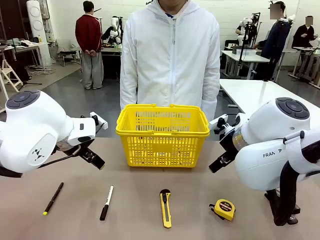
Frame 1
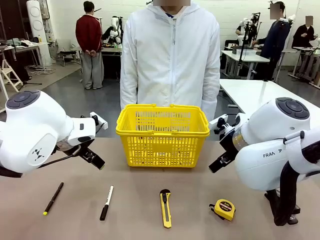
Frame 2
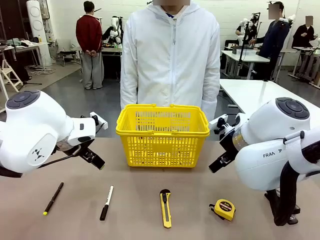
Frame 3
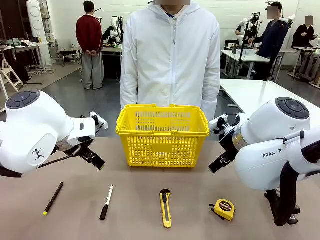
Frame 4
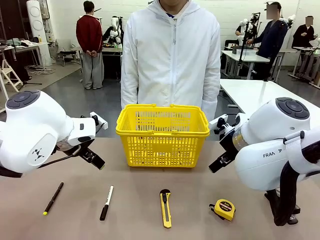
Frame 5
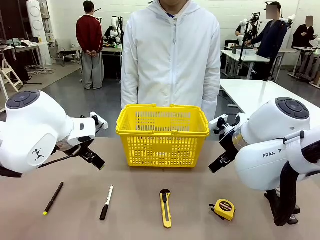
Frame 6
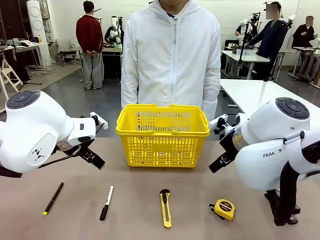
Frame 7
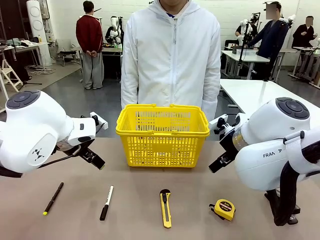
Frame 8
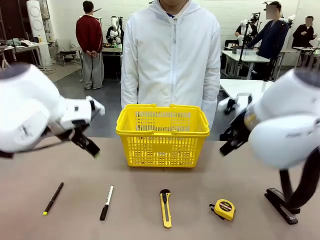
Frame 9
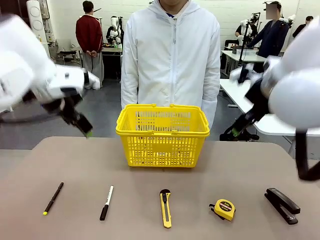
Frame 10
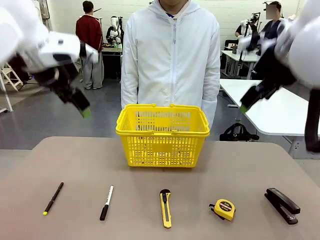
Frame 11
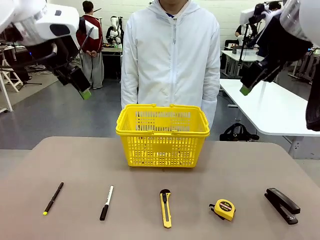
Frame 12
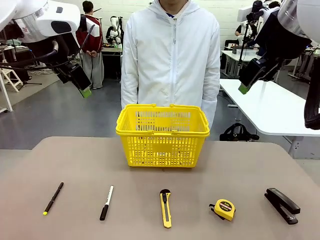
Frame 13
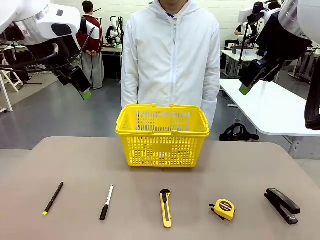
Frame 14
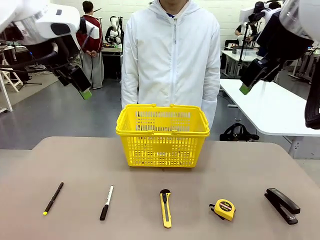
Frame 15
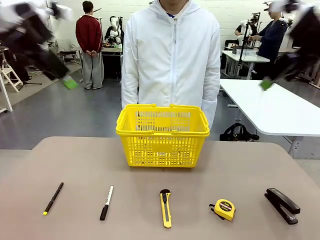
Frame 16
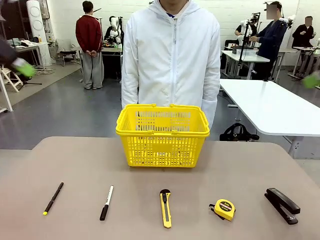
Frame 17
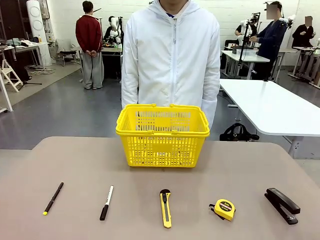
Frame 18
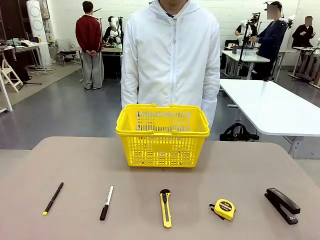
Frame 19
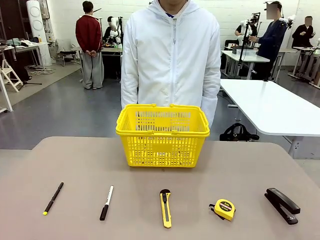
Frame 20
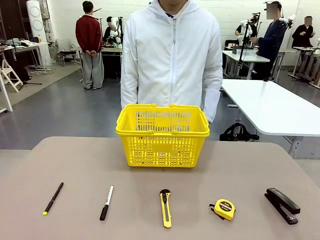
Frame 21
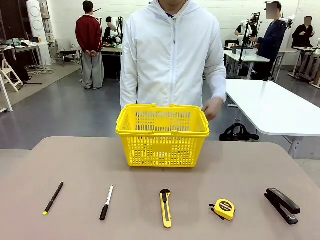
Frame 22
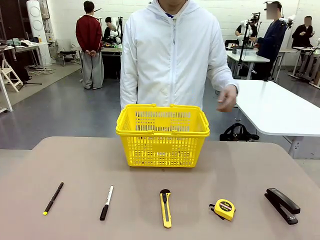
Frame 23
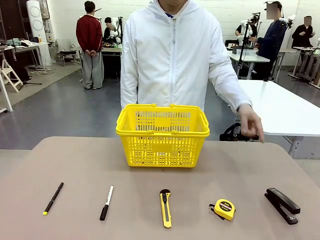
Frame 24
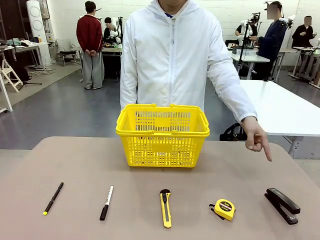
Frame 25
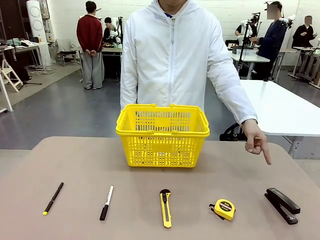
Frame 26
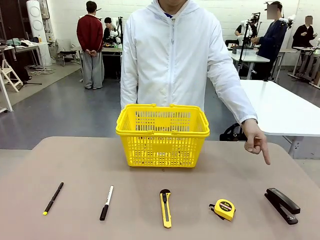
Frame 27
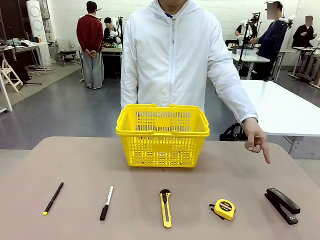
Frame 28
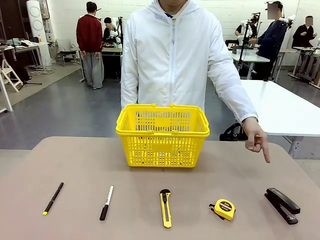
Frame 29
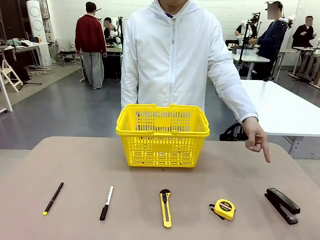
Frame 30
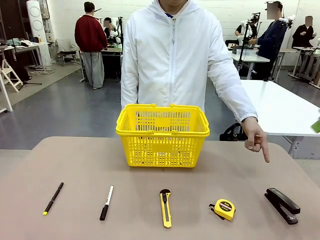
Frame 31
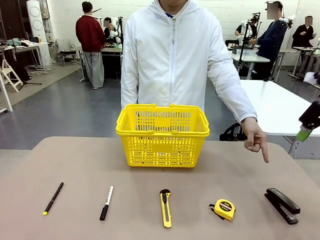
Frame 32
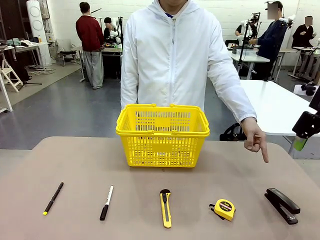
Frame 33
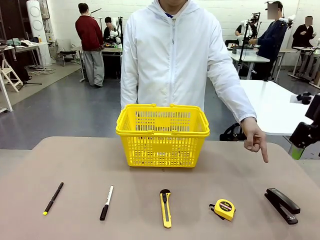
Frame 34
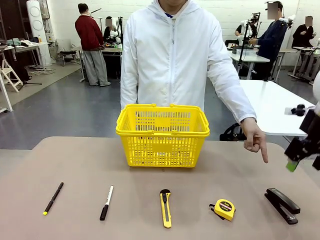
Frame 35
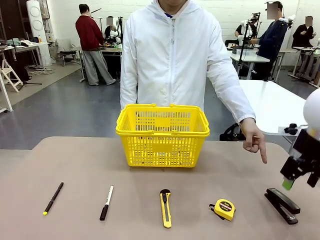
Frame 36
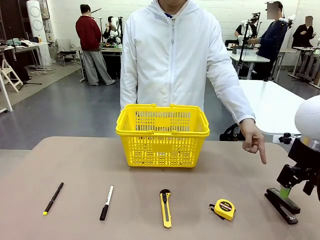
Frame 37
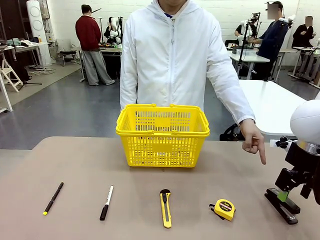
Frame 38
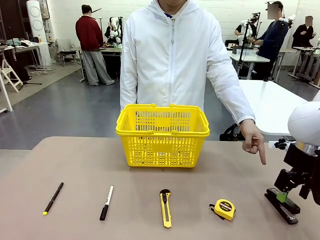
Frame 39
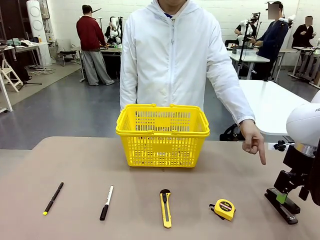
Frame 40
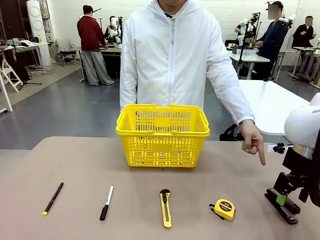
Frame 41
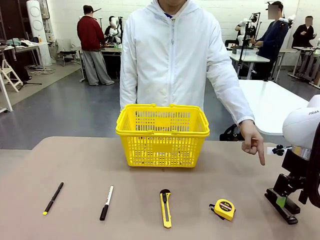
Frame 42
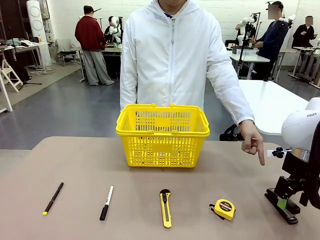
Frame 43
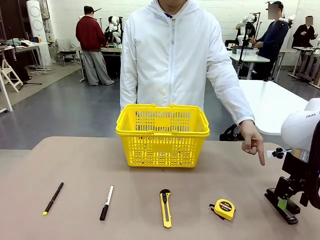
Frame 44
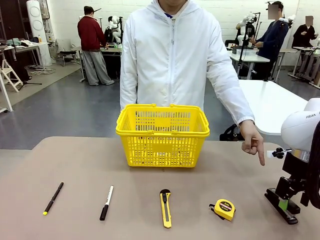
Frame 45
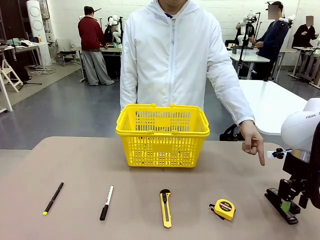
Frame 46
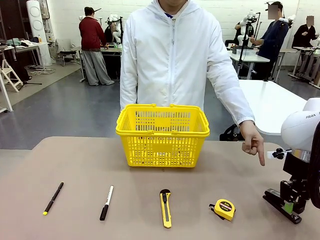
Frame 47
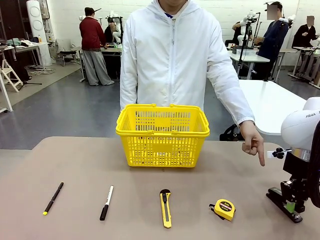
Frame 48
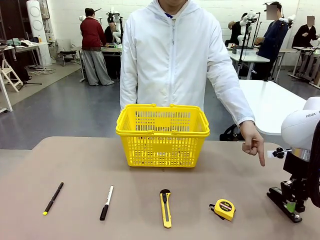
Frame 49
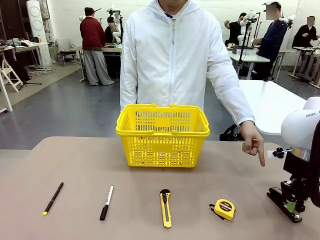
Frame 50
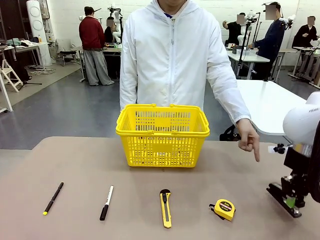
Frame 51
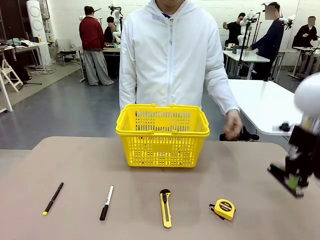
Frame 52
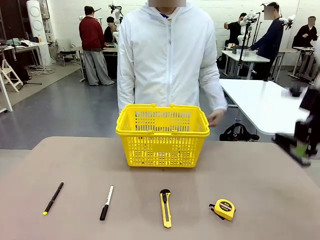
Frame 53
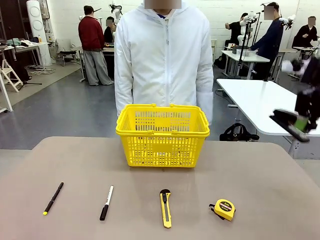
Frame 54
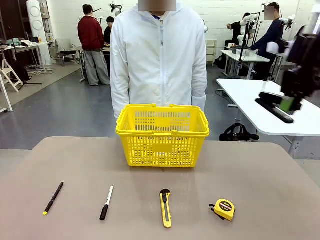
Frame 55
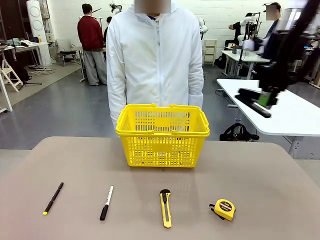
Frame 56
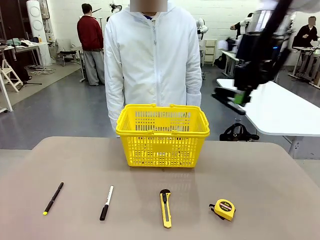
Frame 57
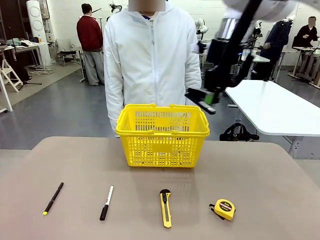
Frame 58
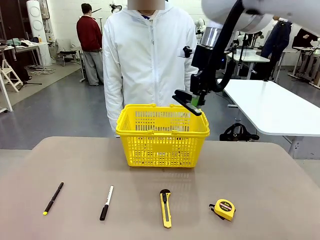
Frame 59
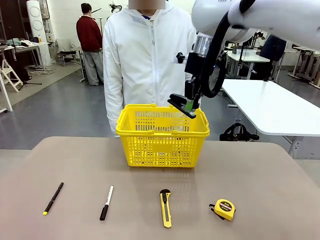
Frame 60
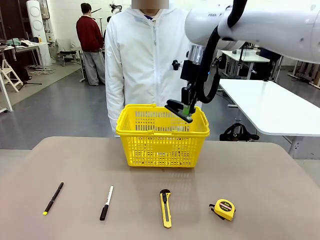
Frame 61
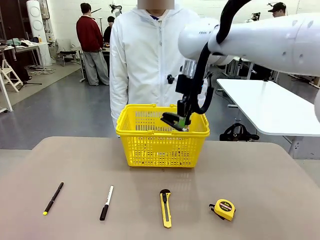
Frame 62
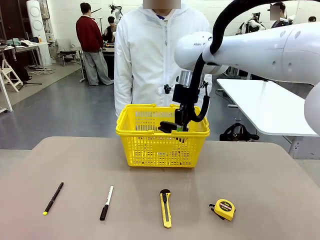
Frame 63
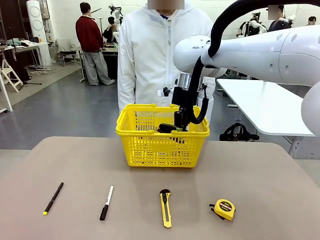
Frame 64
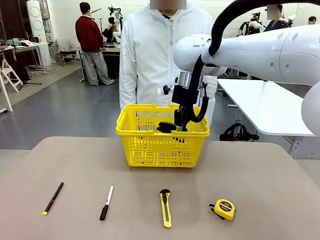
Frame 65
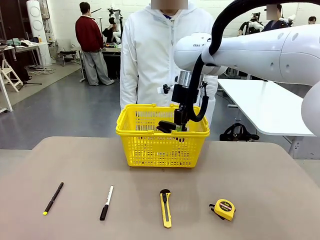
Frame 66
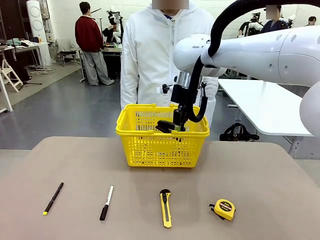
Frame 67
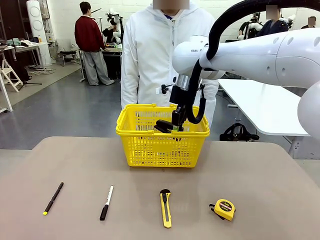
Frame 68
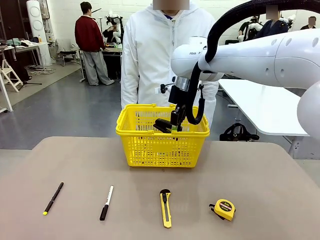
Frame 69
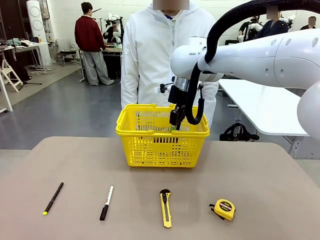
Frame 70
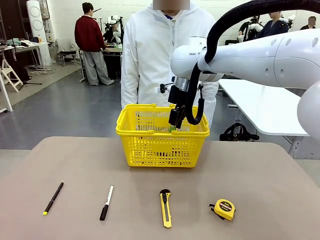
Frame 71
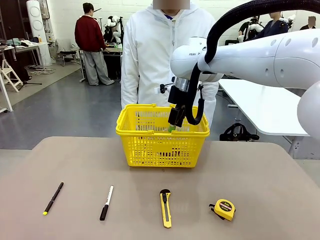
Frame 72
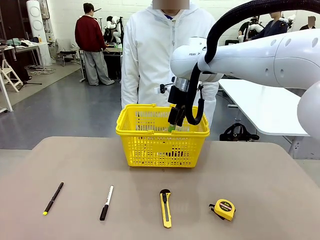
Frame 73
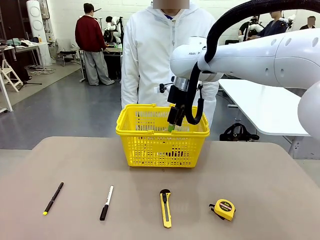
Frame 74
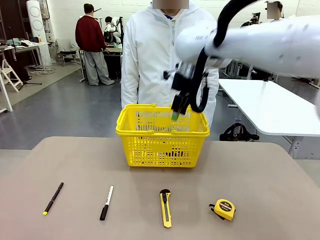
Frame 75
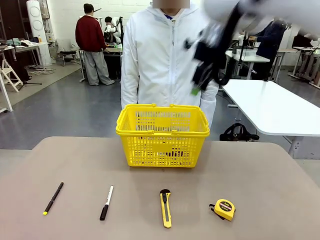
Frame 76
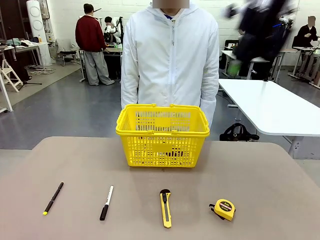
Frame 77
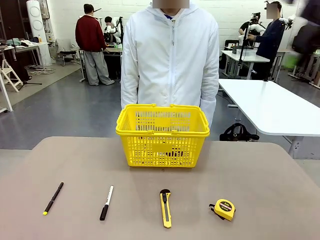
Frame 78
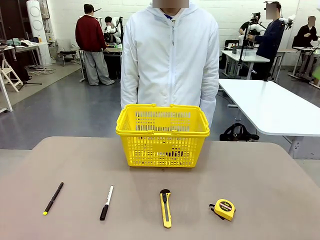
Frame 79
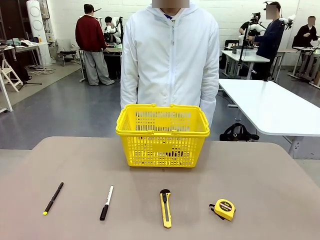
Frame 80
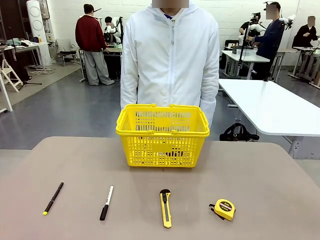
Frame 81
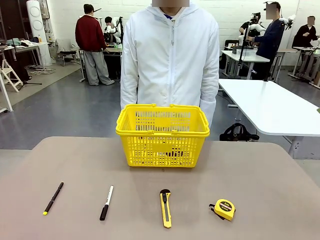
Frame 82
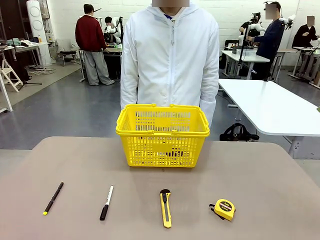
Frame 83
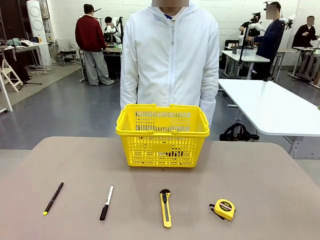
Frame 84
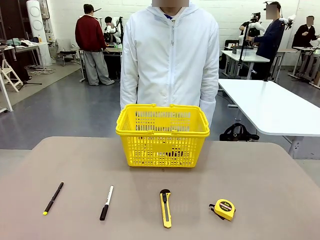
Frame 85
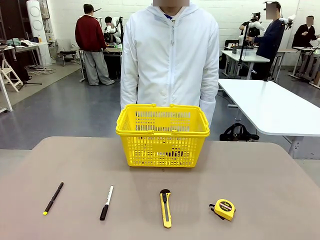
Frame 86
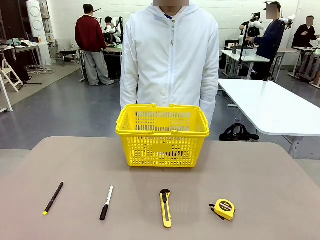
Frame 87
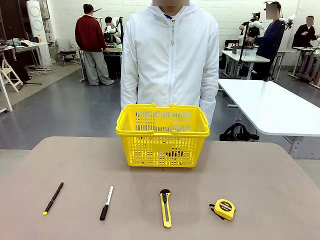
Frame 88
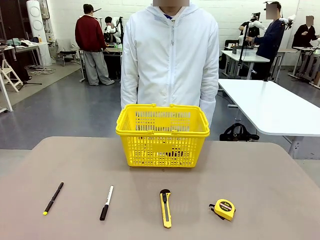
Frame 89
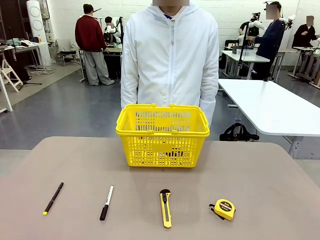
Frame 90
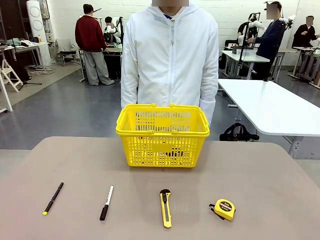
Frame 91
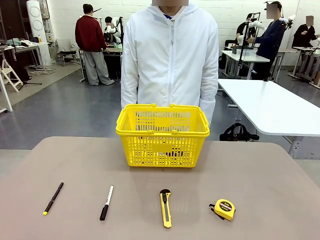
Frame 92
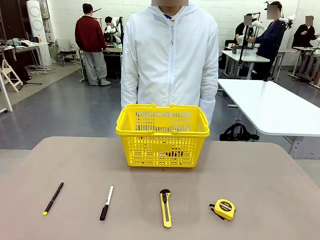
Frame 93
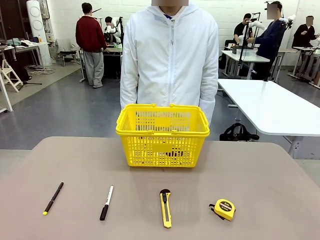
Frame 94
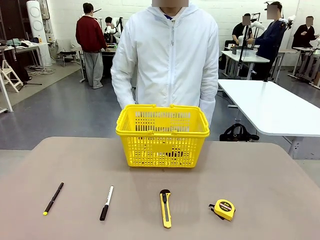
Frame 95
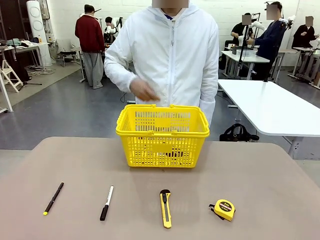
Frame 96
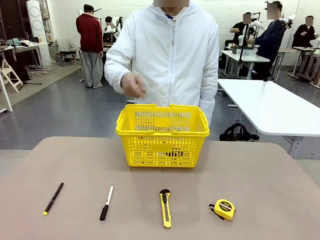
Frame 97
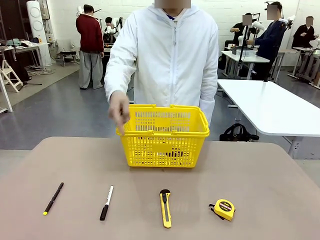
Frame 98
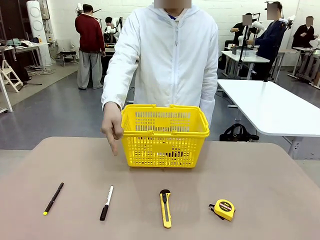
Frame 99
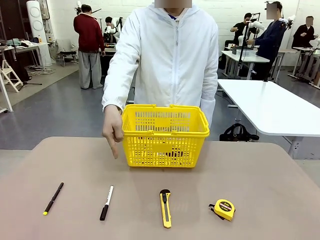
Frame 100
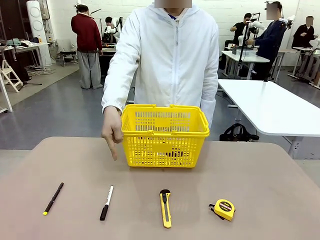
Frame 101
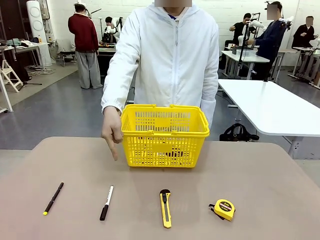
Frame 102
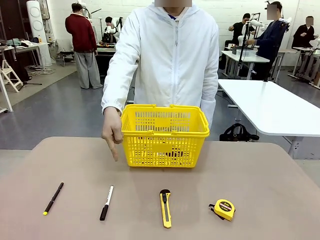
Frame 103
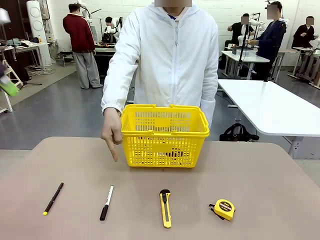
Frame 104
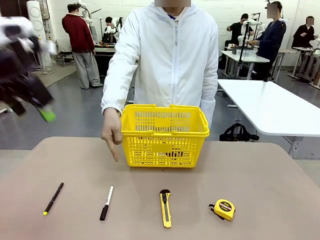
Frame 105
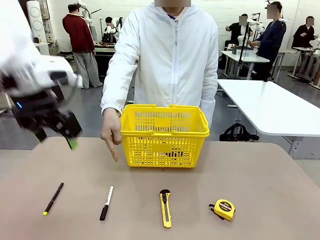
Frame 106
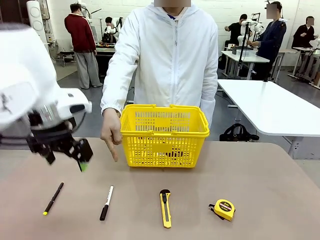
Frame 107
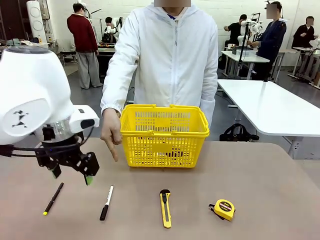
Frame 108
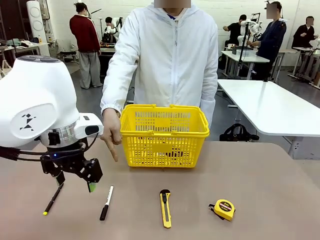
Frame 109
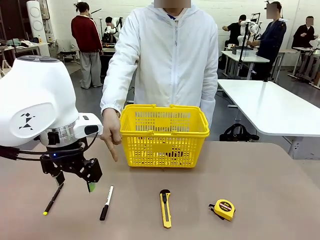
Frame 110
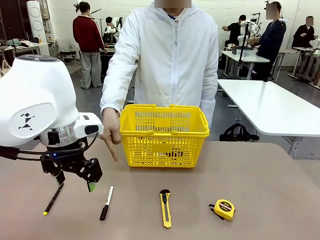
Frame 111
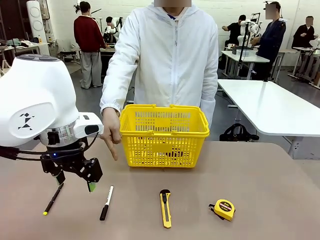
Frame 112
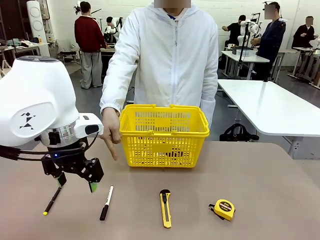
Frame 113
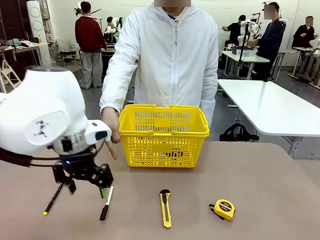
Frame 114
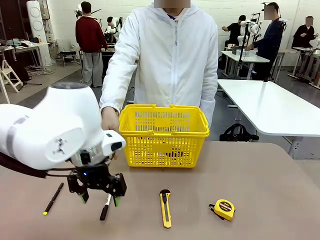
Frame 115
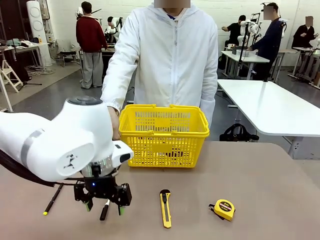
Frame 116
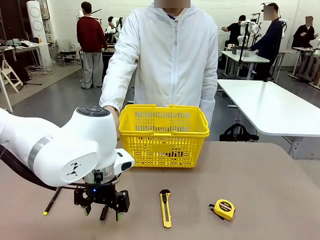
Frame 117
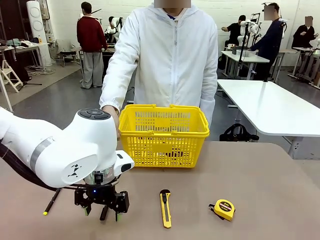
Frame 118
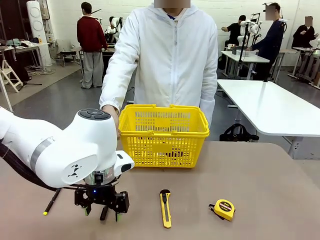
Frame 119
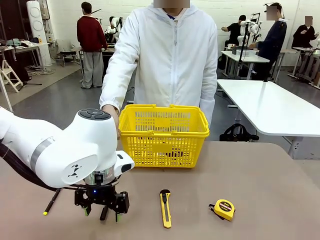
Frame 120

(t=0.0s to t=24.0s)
Task: Place the items the person wants into the basket.
Robot: Pick up the item the person points to and place it in the Market Basket.
